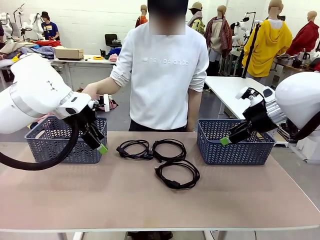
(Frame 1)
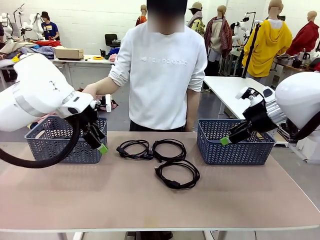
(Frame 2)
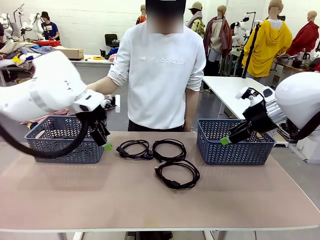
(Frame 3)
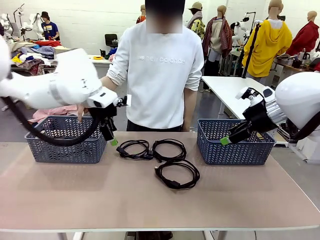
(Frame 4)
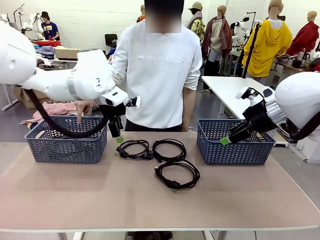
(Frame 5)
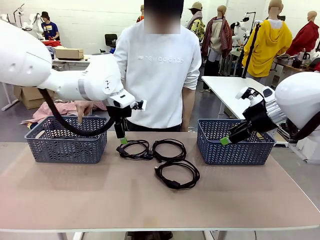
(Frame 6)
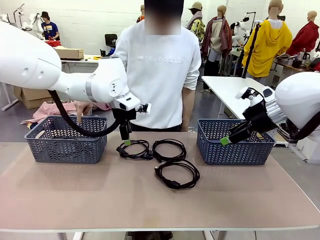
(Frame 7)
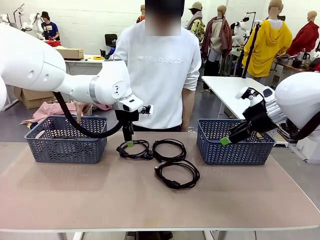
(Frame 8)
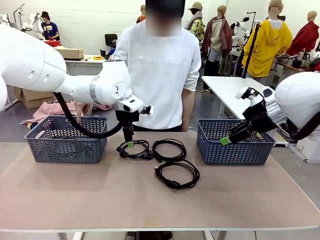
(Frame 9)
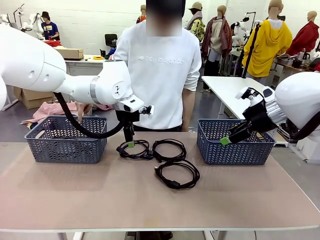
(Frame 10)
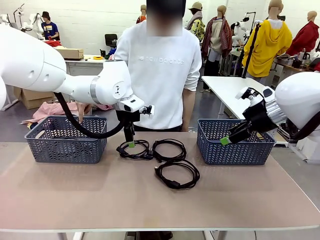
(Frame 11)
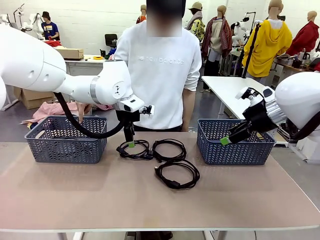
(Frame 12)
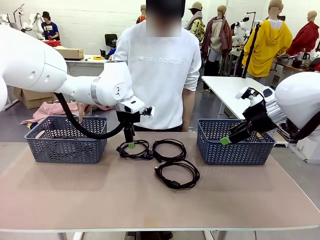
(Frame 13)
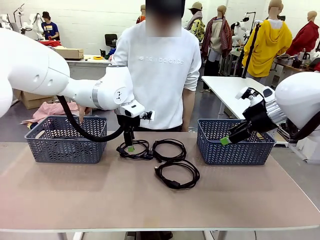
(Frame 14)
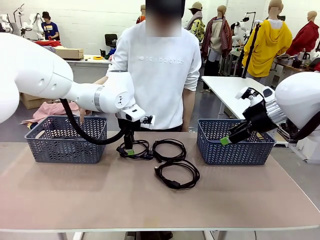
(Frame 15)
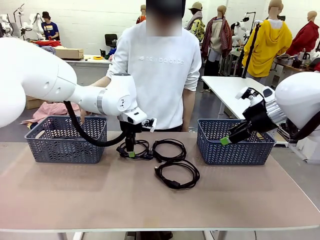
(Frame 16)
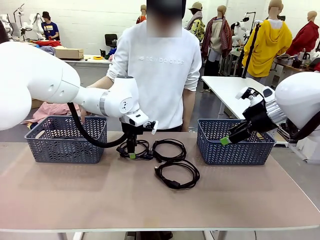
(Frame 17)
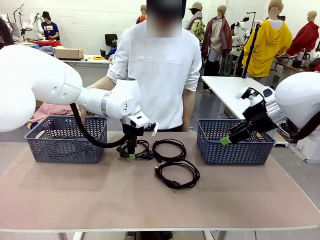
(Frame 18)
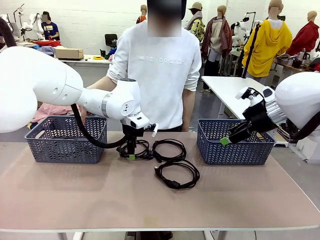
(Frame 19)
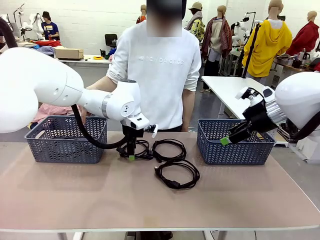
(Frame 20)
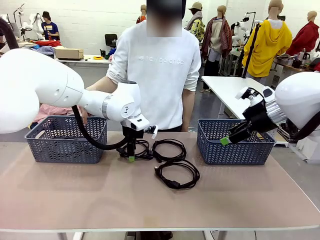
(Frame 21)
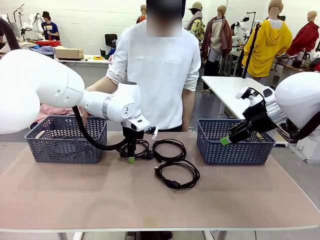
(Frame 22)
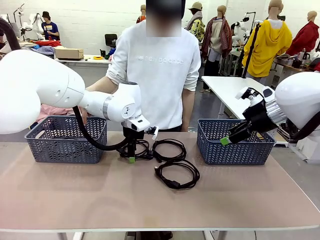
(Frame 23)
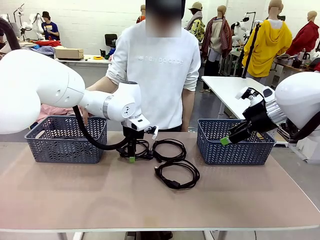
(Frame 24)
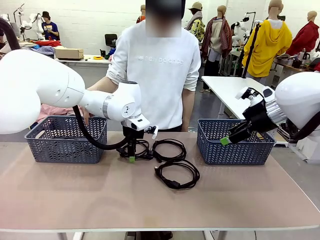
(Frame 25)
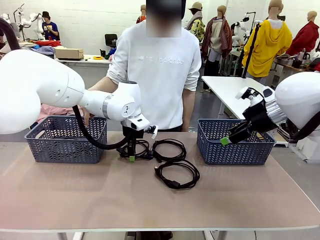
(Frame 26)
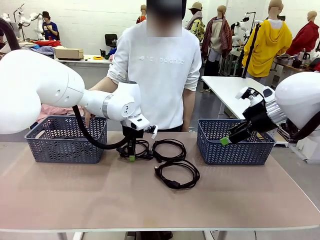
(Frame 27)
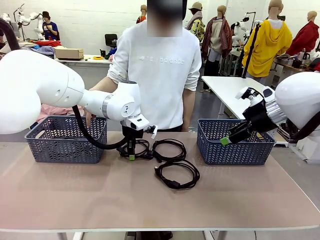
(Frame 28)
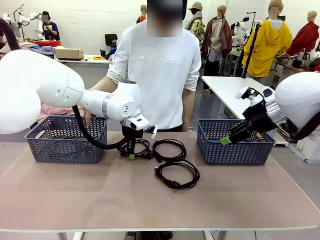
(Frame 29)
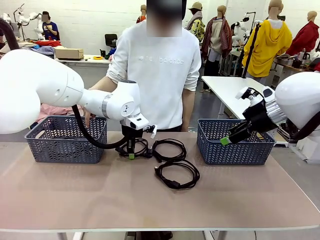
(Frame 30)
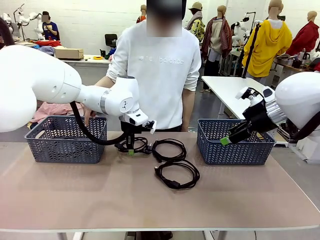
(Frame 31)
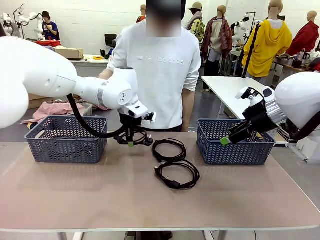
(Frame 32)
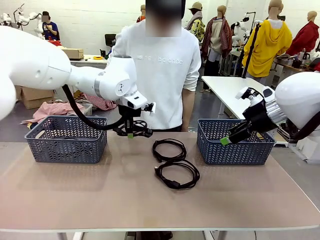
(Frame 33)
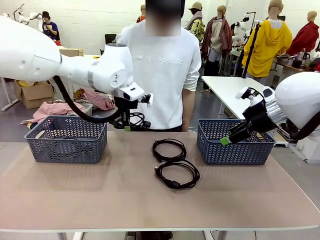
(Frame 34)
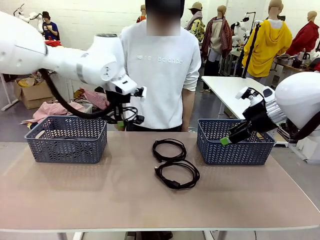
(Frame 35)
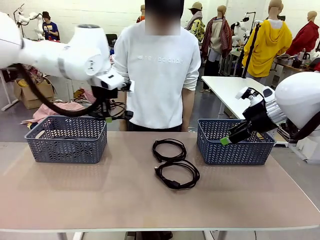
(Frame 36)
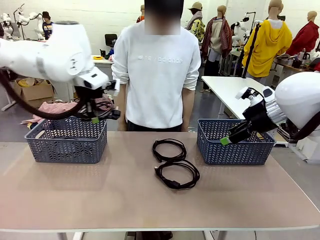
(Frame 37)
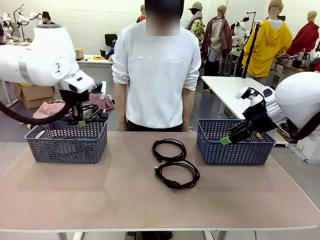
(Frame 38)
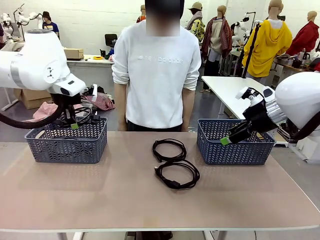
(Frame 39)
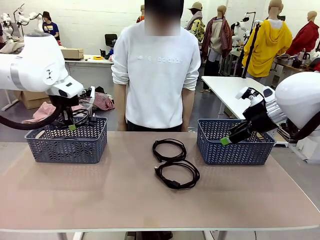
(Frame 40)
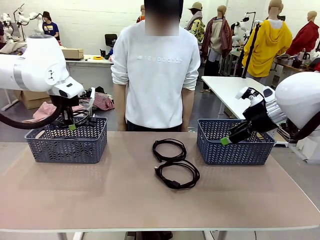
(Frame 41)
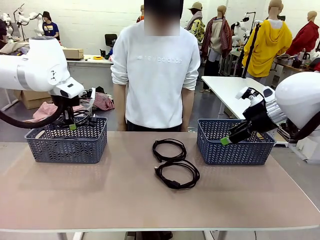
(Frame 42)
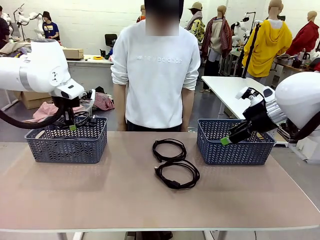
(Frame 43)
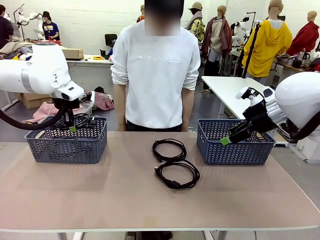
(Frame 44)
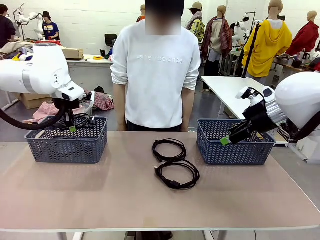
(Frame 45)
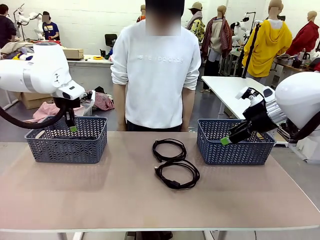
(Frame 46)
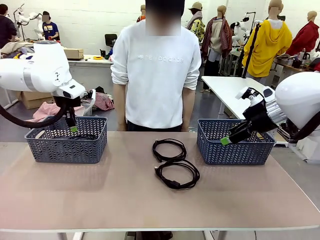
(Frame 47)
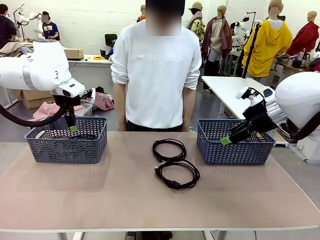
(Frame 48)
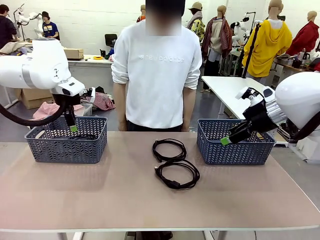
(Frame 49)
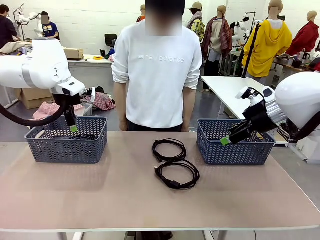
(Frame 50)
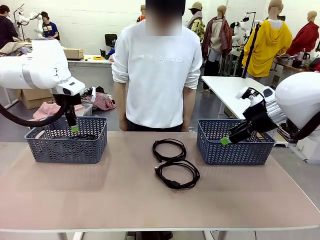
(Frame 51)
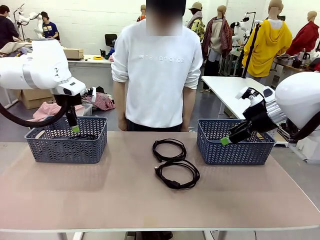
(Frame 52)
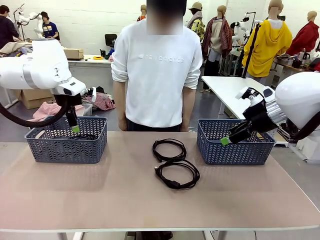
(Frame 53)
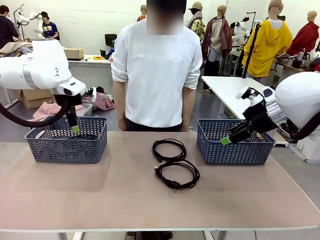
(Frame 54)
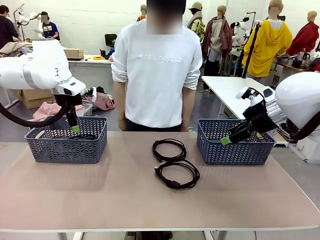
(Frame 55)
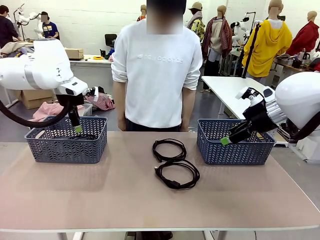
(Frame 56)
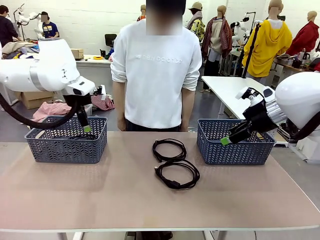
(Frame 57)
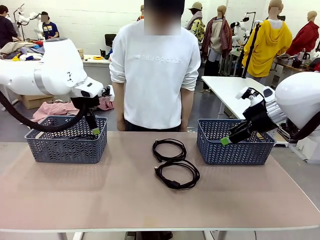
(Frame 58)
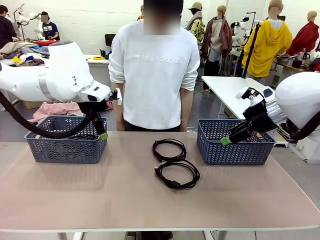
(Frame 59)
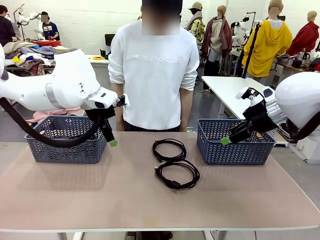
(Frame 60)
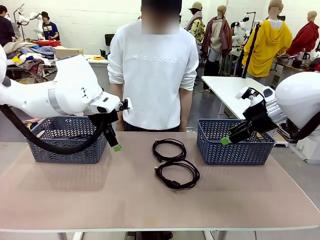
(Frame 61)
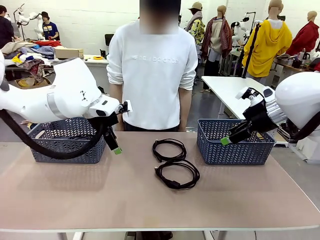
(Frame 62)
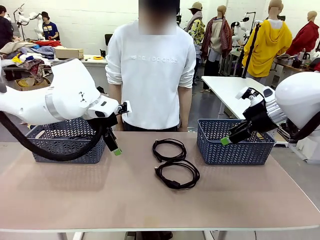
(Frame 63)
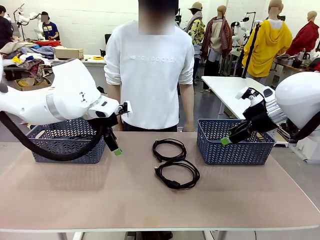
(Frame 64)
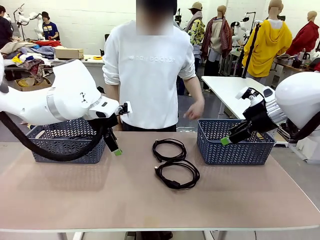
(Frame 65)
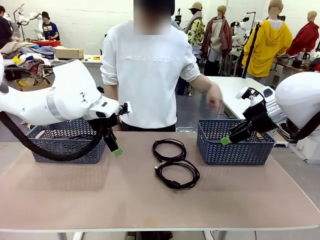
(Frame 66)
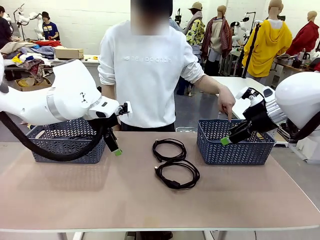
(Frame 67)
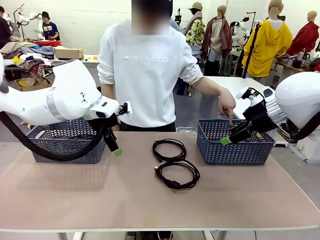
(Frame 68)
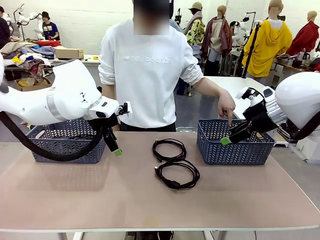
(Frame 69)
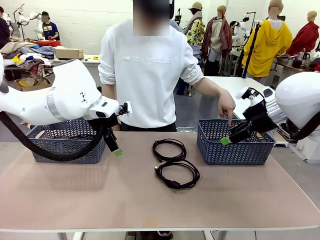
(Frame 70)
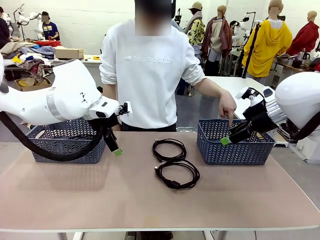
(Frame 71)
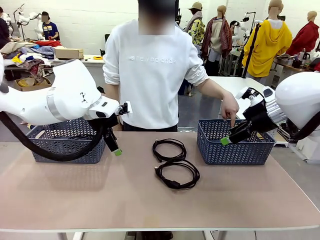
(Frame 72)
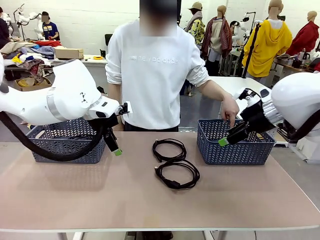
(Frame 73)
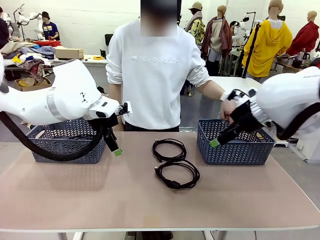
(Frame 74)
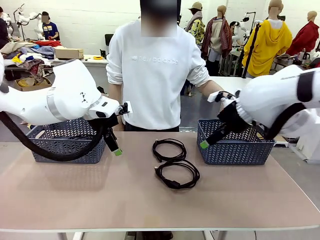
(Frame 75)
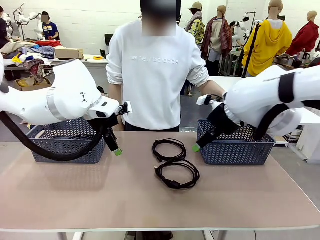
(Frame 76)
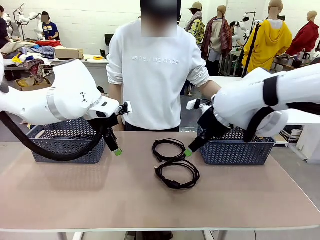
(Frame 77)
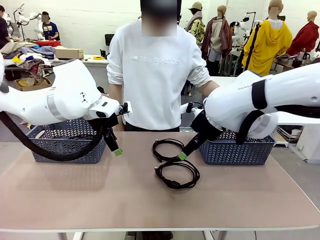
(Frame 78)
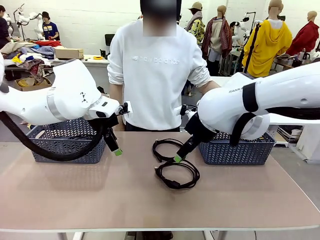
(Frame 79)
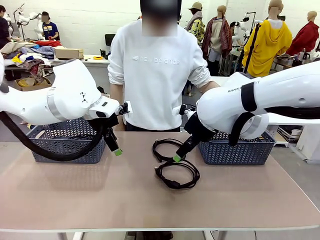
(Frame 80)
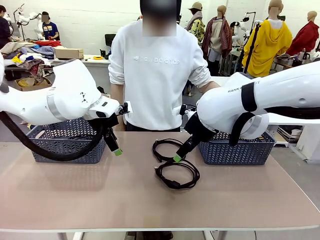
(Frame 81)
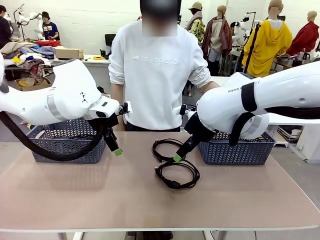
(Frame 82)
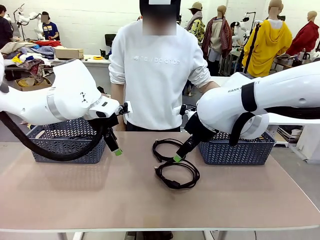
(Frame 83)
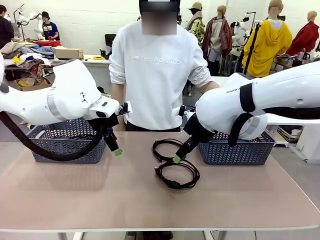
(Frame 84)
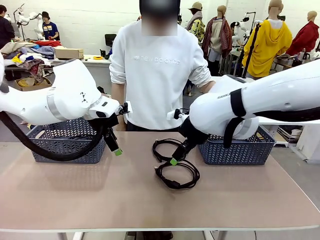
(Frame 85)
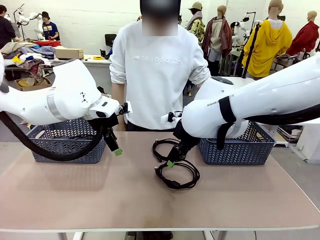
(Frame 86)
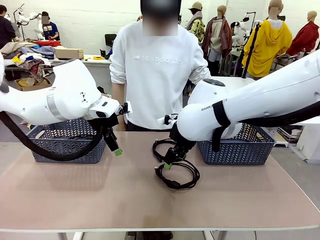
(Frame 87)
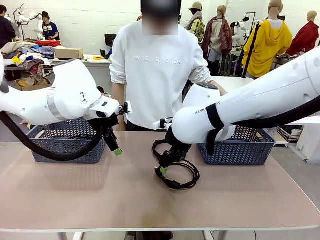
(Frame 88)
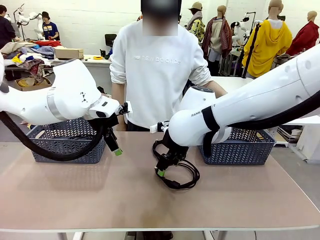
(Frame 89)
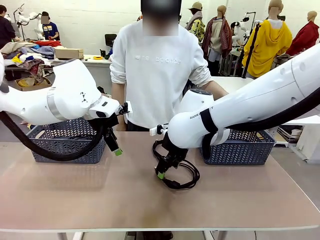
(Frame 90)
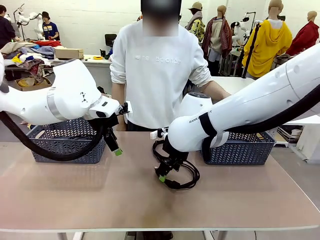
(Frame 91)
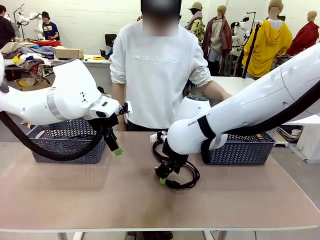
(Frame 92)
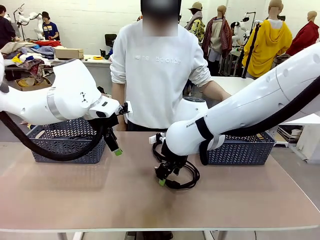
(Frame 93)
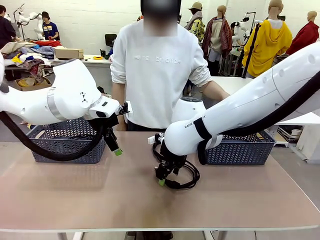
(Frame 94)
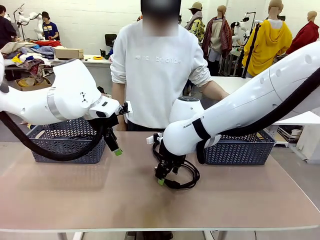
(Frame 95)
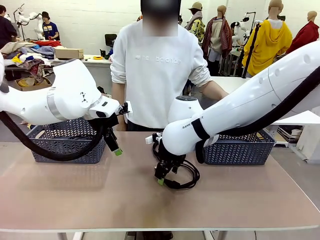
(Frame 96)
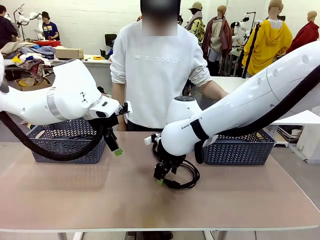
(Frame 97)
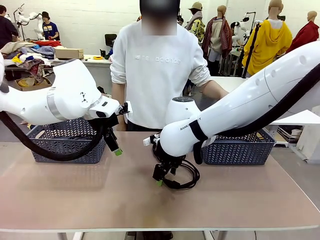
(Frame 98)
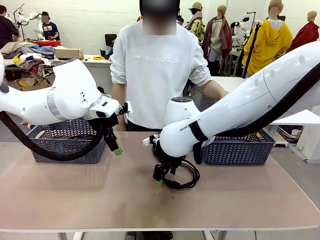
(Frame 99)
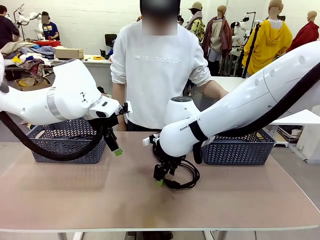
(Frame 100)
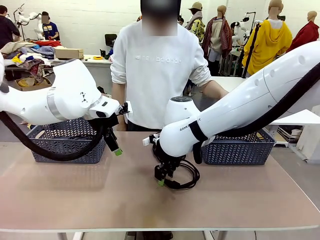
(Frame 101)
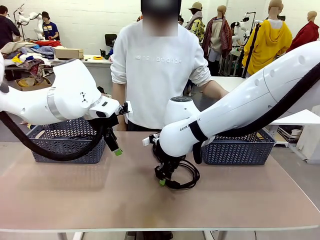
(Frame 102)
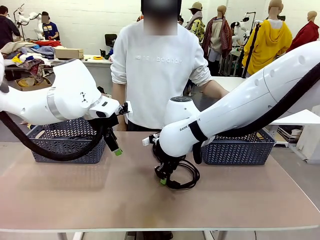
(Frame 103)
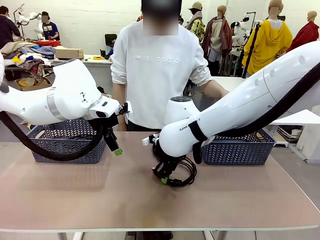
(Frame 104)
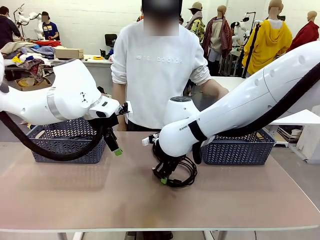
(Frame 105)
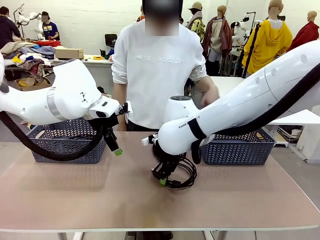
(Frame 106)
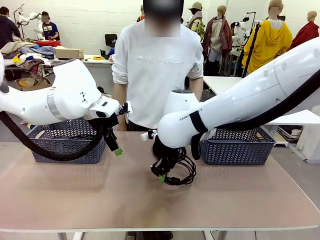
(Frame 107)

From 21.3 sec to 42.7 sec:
Task: Organize the cables according to human instructions.
Robot: Pick up a bundle of cables and place it in the basket indicated by the human.
